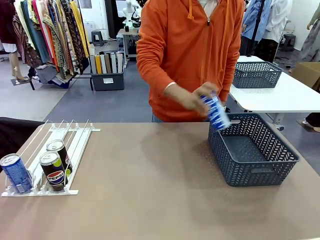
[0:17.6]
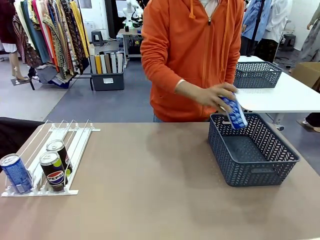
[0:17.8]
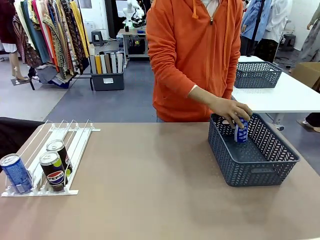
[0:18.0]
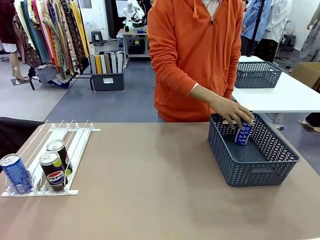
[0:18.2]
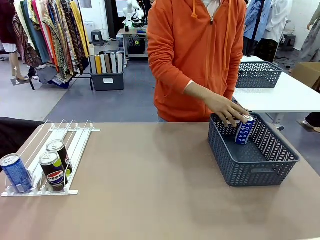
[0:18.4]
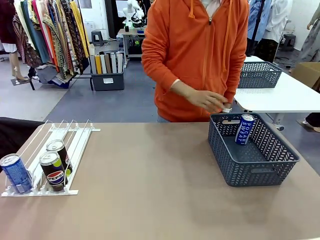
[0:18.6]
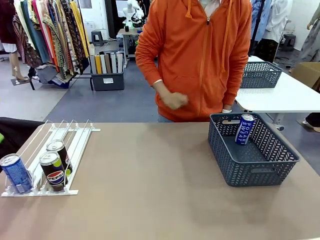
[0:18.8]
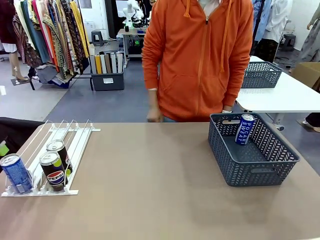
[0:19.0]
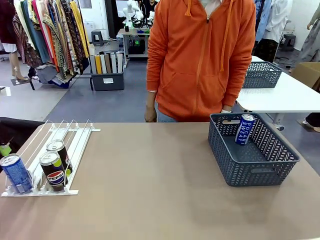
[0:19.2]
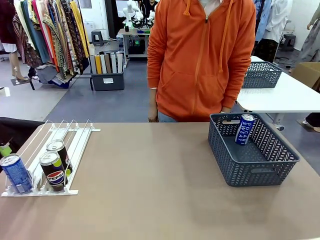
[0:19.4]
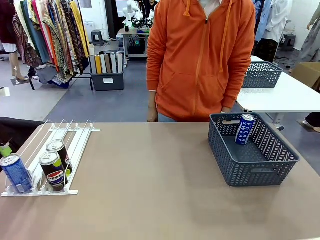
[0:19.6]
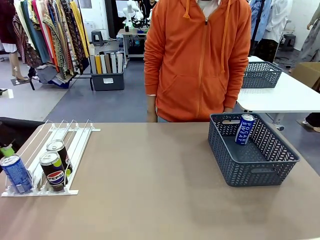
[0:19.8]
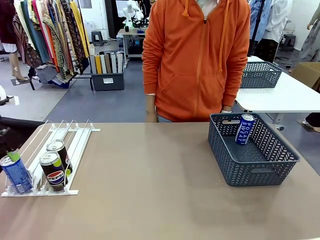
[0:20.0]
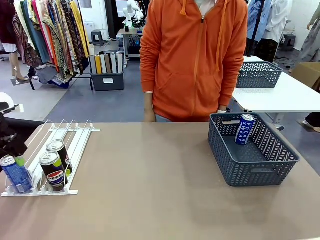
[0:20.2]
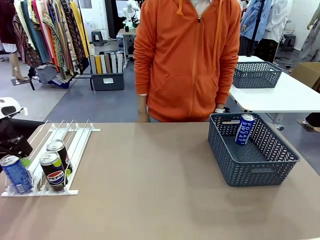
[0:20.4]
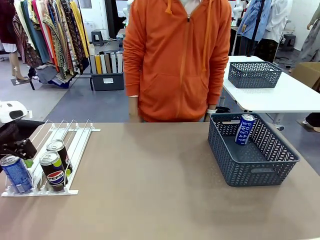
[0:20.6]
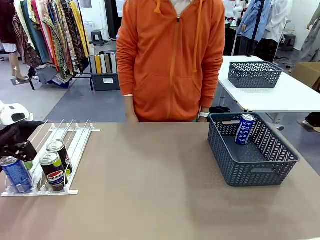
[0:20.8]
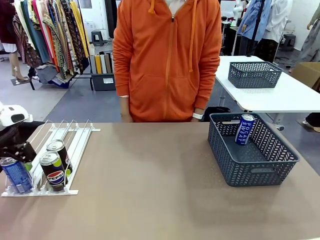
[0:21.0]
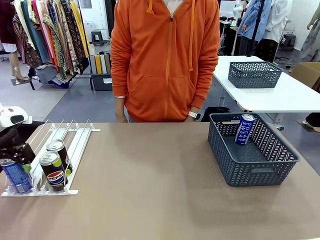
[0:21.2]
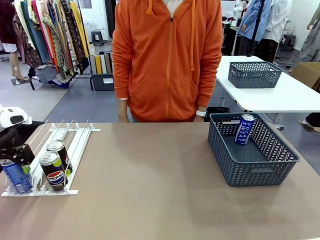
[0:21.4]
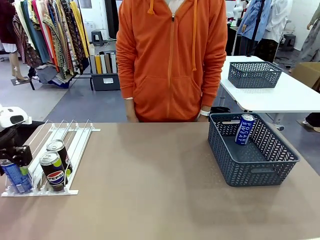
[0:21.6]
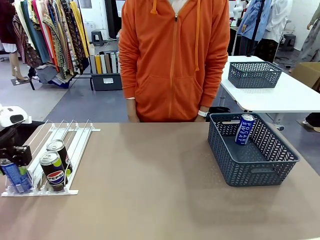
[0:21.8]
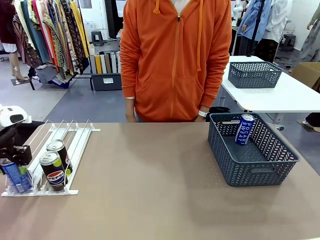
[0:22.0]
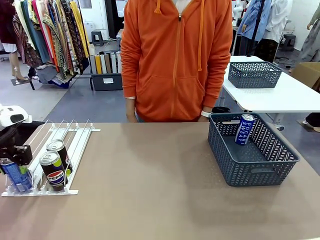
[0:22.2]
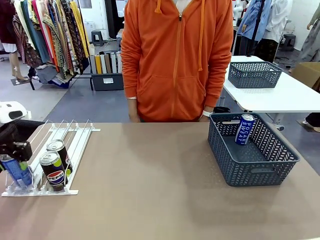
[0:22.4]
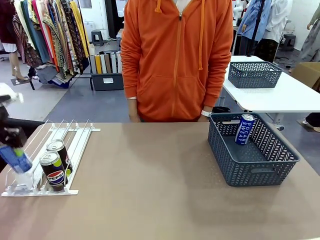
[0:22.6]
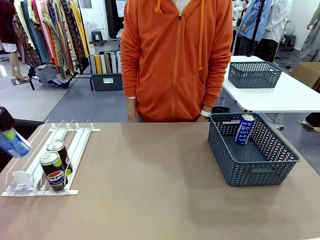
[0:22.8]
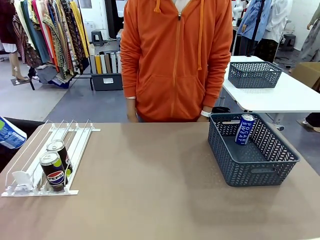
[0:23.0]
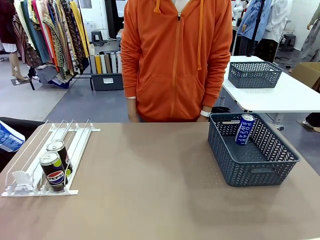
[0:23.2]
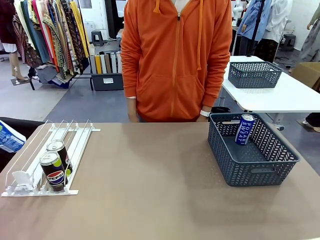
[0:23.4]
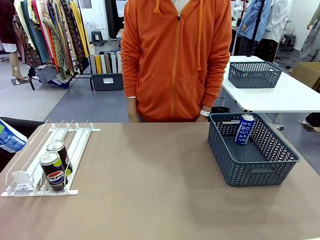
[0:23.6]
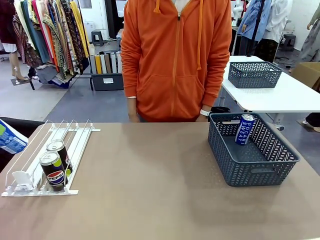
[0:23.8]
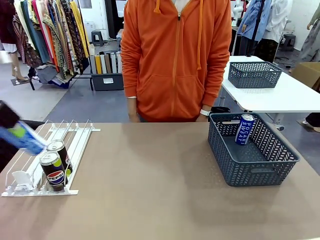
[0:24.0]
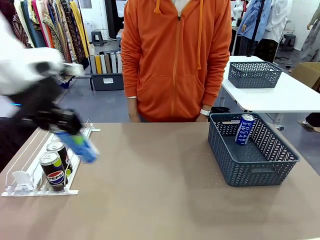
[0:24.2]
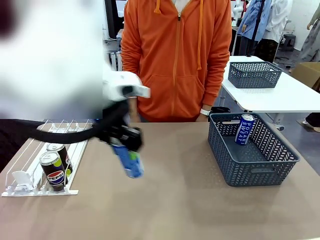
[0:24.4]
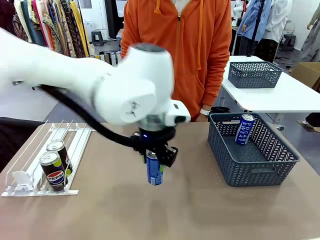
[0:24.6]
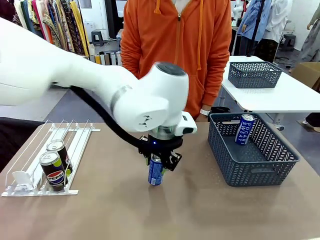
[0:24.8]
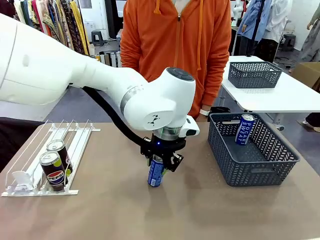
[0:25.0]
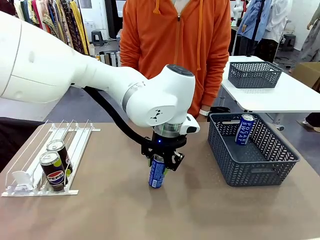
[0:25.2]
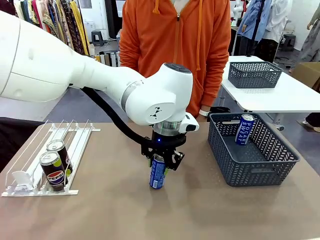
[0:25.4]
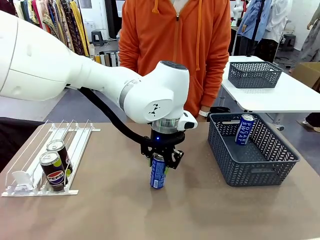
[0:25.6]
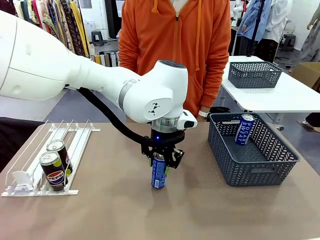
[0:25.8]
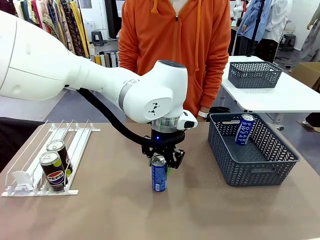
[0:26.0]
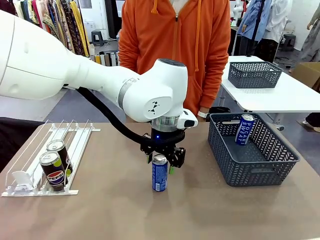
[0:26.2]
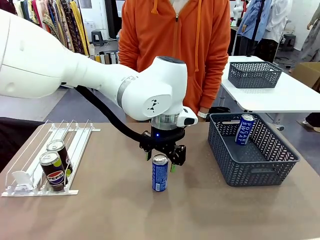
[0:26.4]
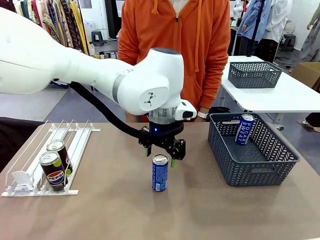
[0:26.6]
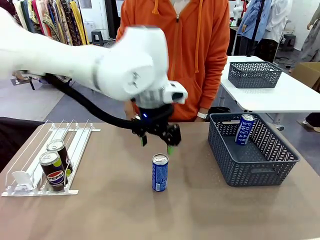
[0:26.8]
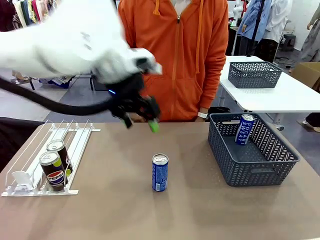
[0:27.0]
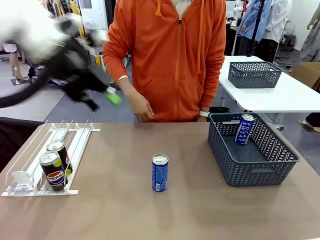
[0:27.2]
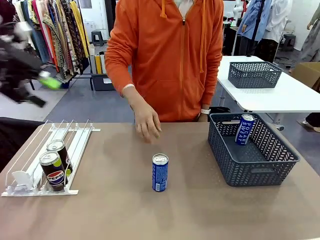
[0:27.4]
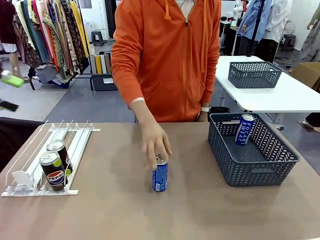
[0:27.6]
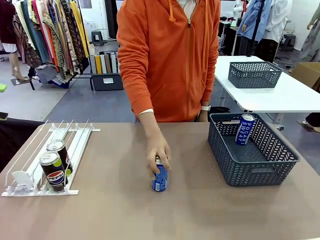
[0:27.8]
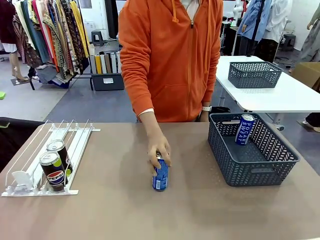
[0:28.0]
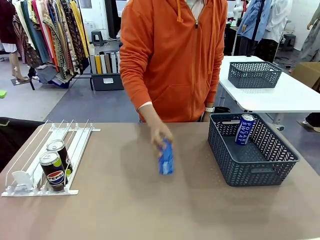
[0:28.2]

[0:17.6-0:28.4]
Task: Retrieve and store the cans from the dispenser.
Robot: Pick up the last remaining can from one row of the Automatic Can Dispenser and place it in the middle of the table.

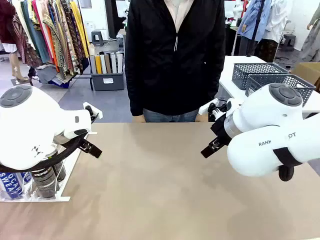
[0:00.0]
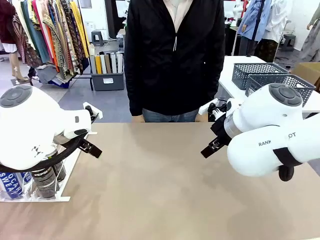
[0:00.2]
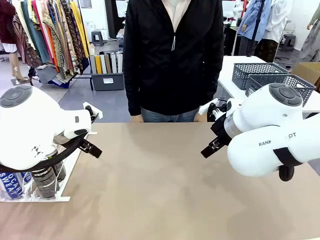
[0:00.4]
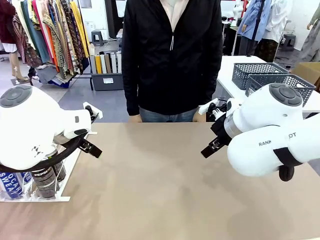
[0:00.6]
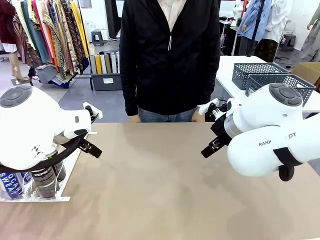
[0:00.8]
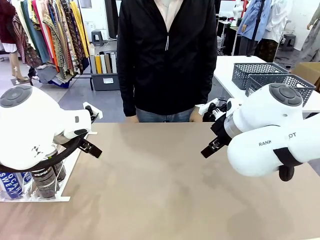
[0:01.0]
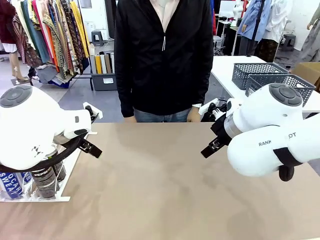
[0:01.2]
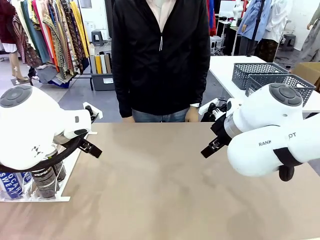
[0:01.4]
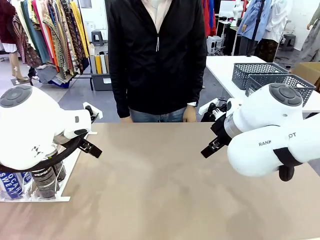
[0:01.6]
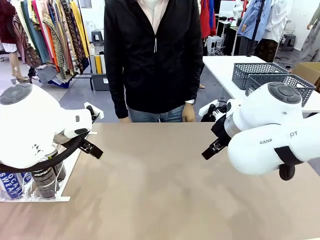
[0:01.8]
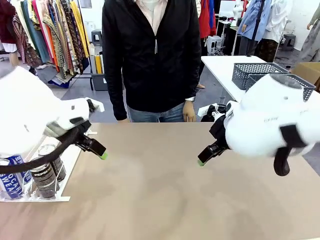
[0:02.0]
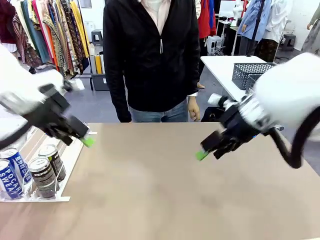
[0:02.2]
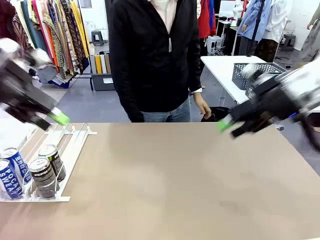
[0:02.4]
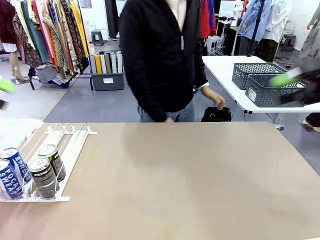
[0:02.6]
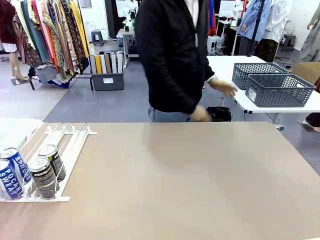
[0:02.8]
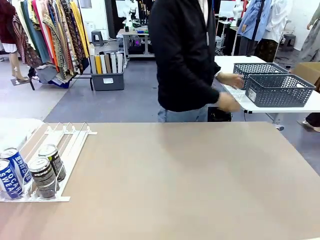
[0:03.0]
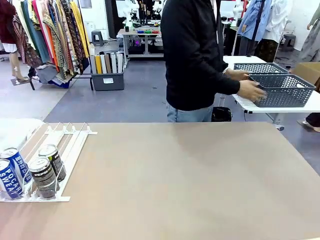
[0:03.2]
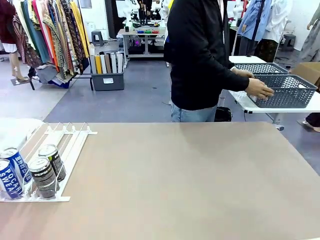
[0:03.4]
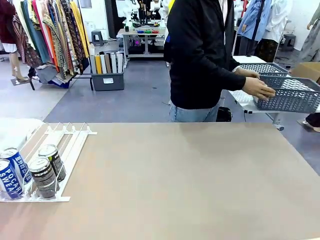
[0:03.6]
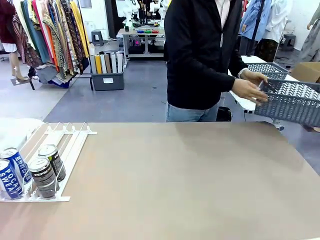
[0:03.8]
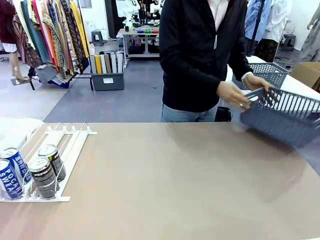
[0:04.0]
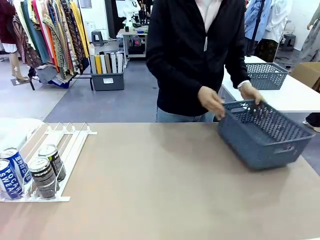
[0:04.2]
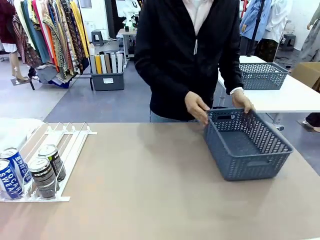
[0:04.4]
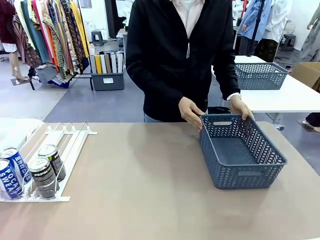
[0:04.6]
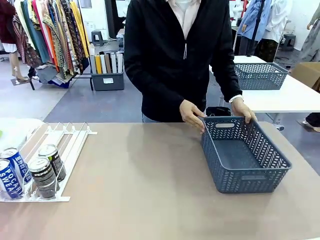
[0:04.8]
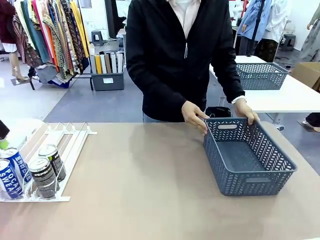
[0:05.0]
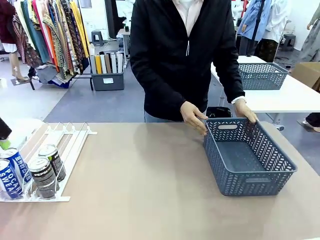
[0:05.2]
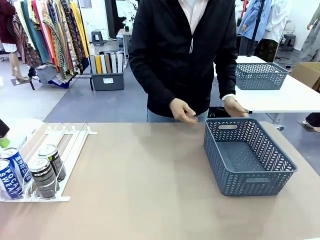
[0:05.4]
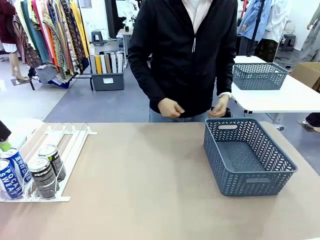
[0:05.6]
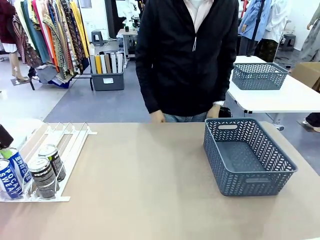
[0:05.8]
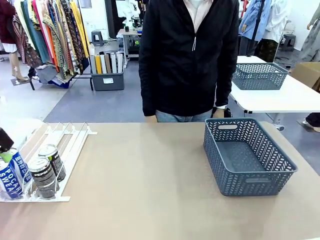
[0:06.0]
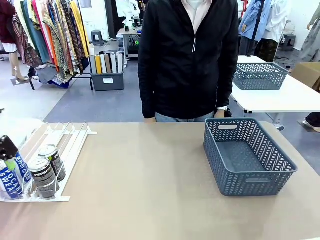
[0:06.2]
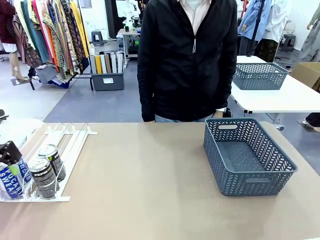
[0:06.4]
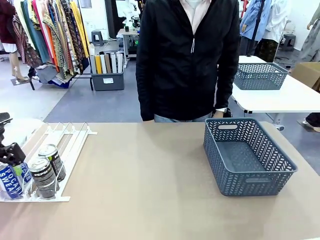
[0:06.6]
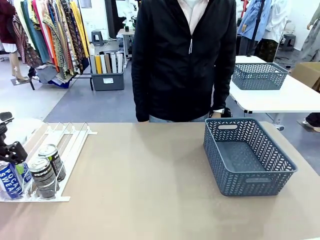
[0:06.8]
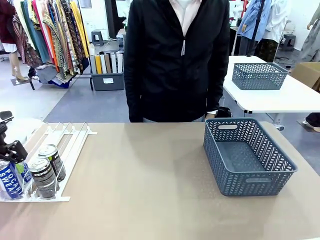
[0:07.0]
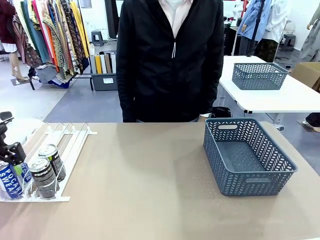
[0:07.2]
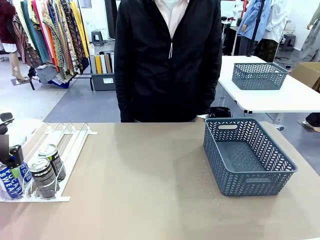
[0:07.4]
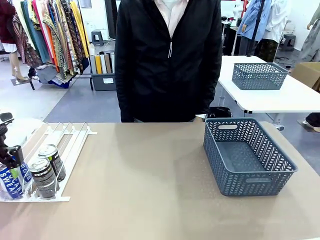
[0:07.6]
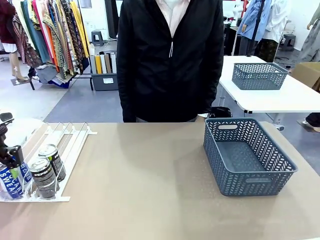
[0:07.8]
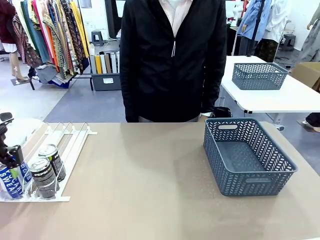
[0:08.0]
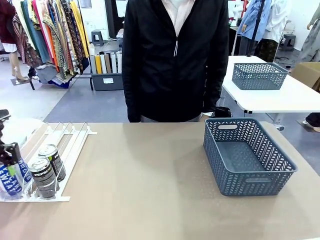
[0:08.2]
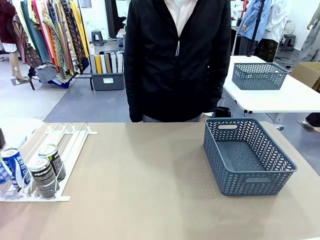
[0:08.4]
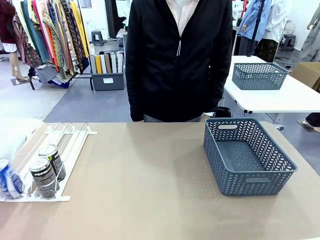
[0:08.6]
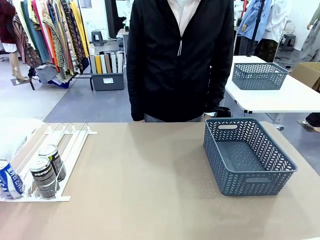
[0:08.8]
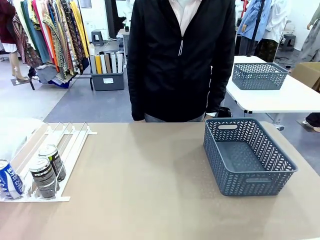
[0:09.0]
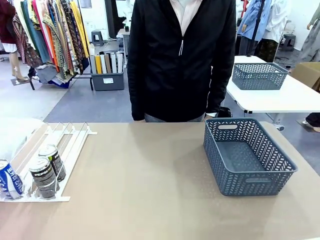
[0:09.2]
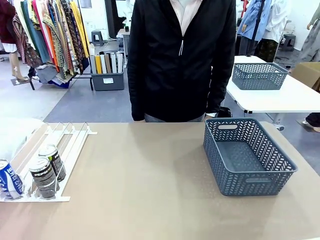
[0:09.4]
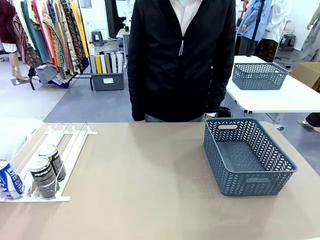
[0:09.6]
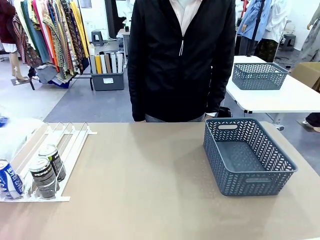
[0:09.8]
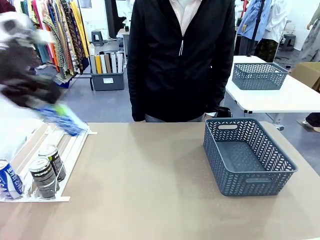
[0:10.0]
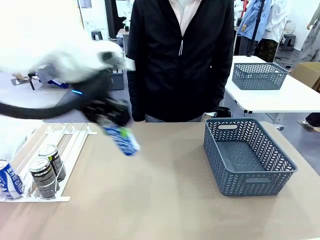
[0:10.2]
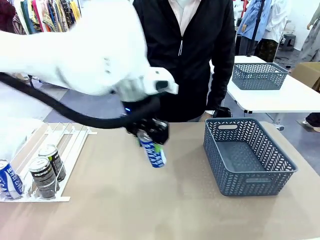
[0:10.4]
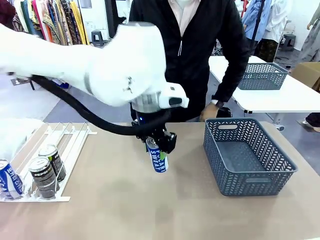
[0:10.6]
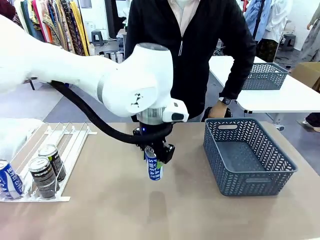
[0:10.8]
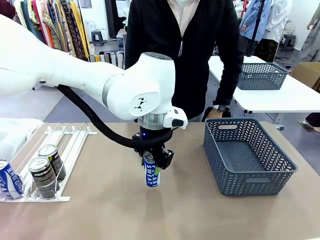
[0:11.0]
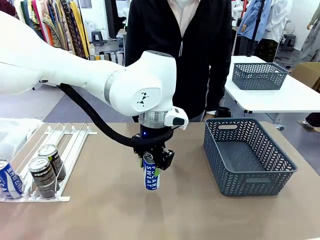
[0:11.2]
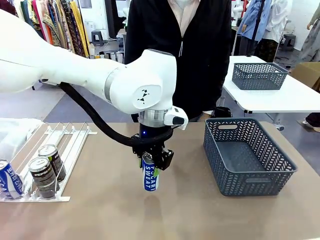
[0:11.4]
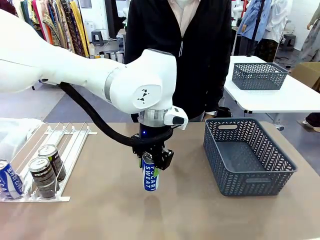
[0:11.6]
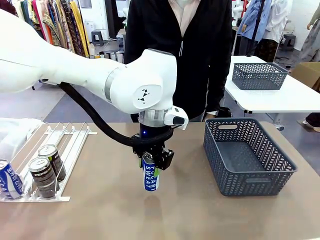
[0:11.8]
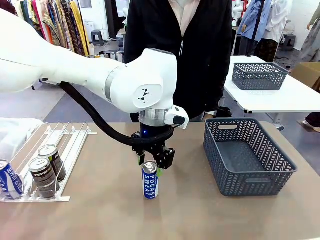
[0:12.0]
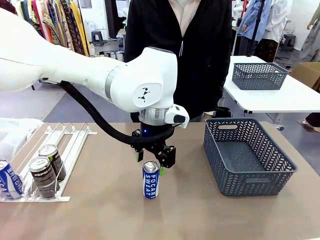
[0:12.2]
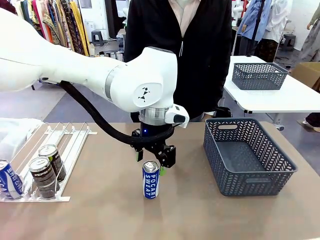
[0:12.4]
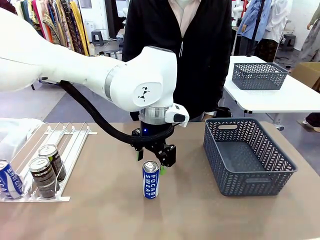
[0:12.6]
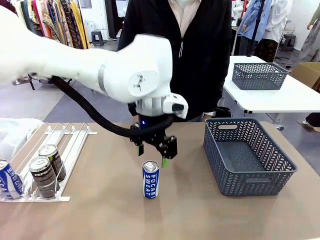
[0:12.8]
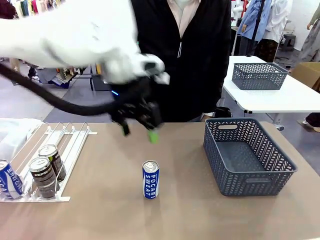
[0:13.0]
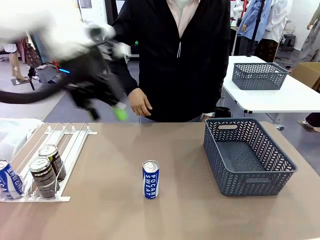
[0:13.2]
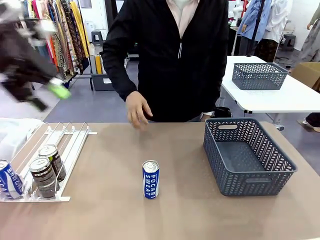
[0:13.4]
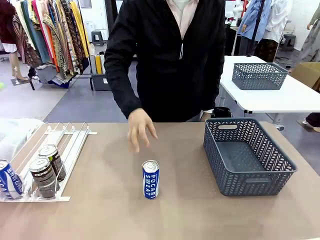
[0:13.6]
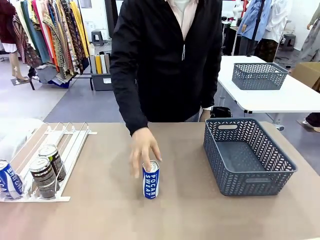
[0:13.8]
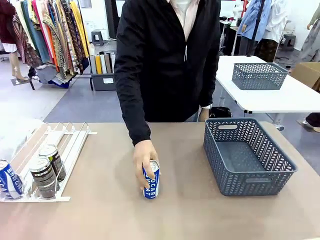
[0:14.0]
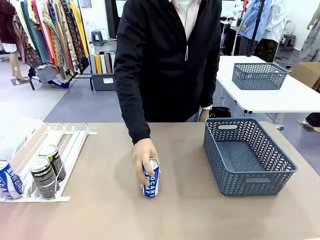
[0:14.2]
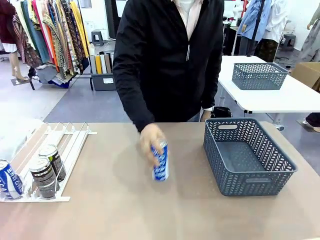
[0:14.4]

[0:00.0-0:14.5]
Task: Retrieve and store the cans from the dispenser.
Robot: Pick up one can from the Automatic Can Dispenser and place it in the middle of the table.
Person: Pick up the basket and place it on the left side of the robot table.
